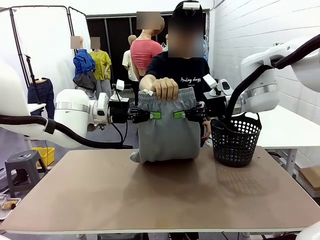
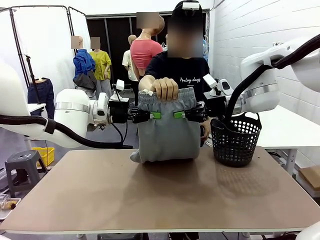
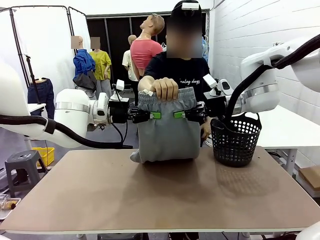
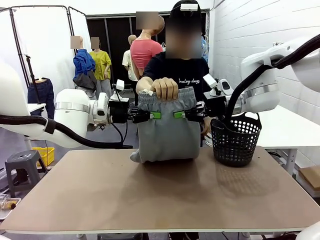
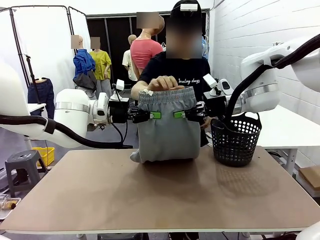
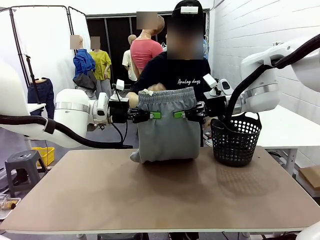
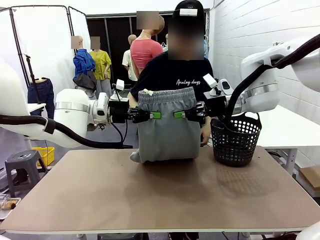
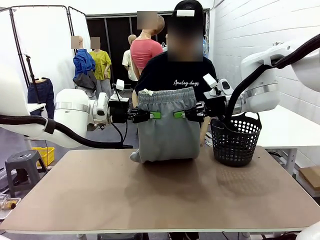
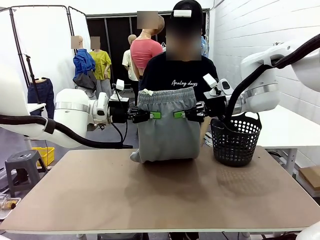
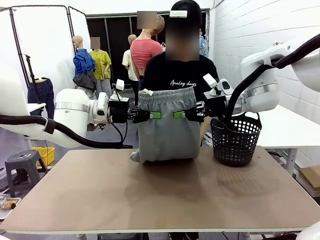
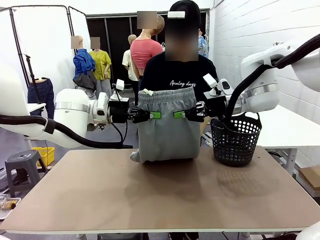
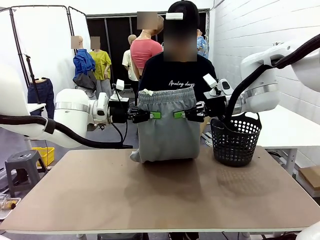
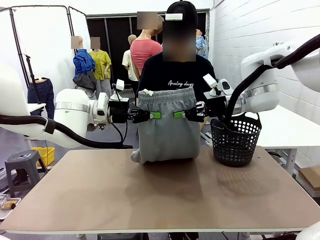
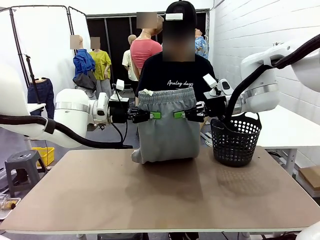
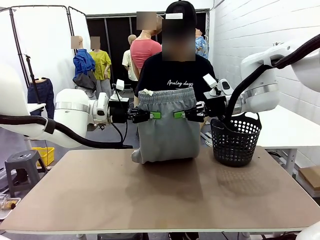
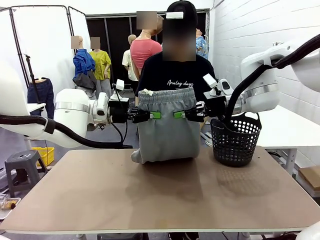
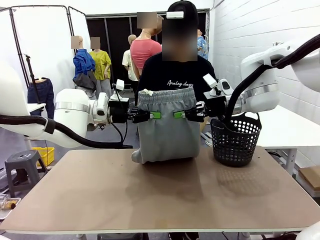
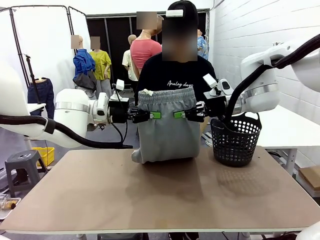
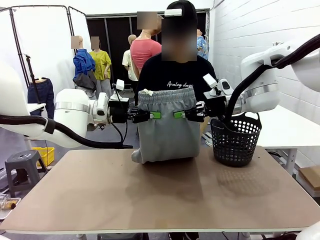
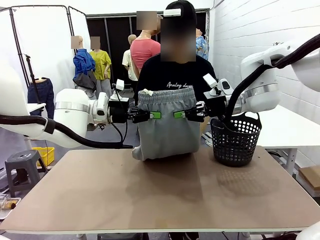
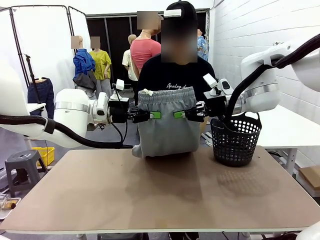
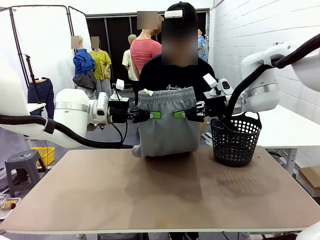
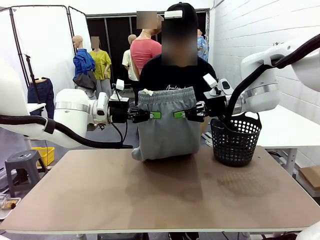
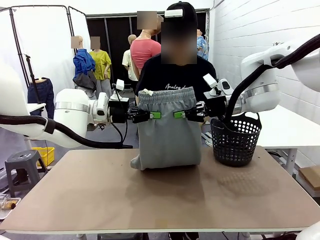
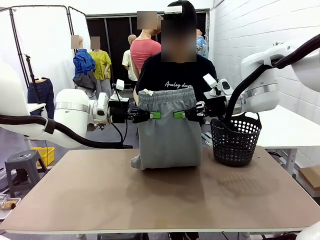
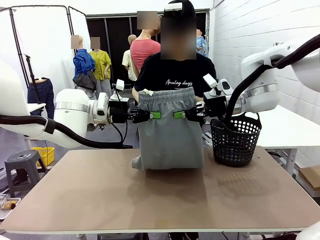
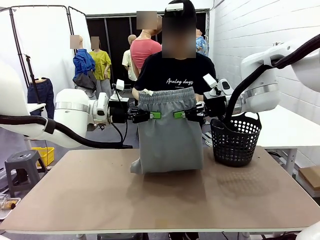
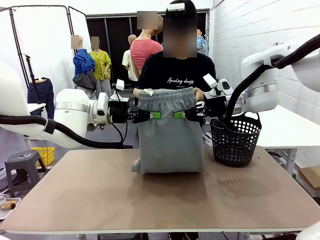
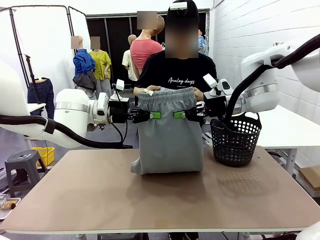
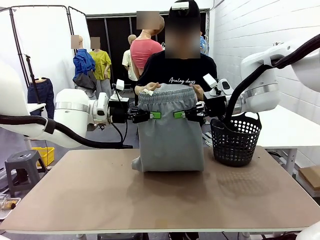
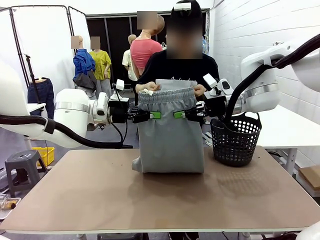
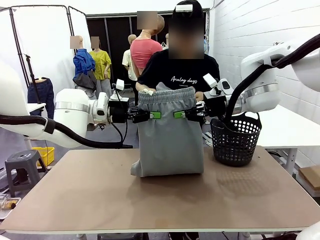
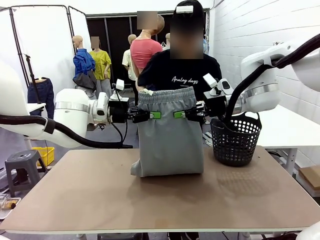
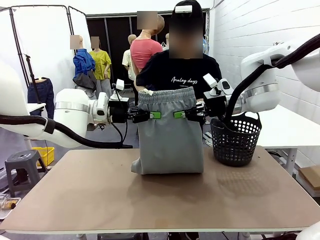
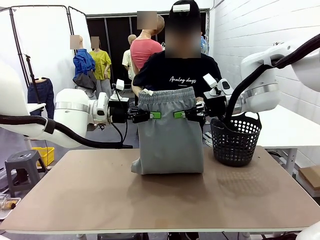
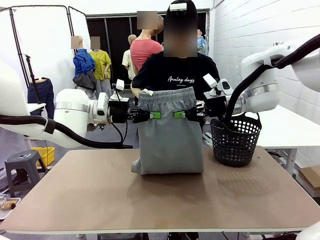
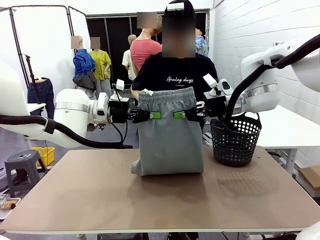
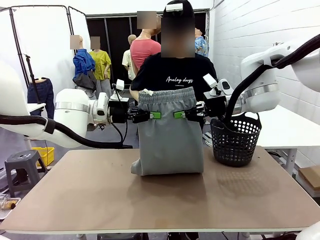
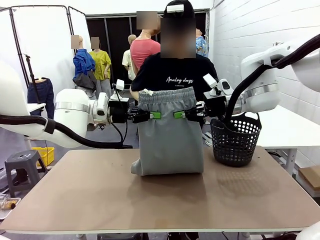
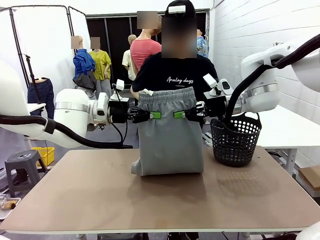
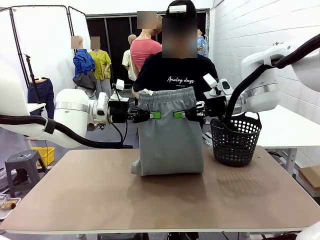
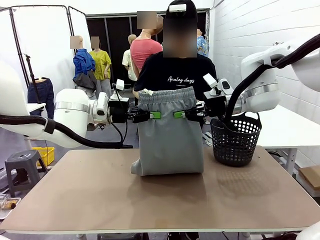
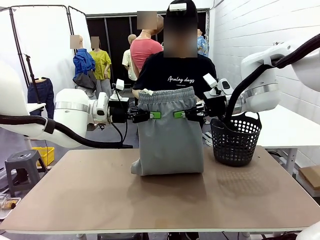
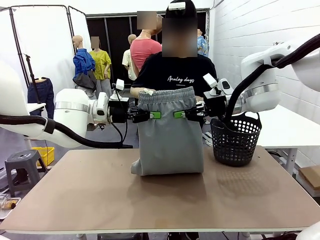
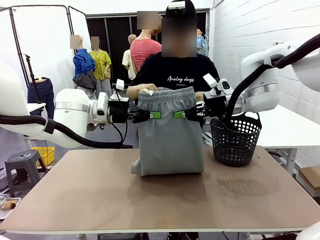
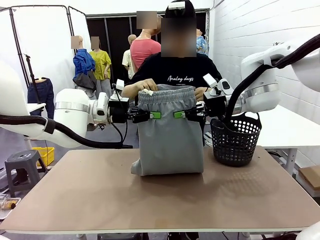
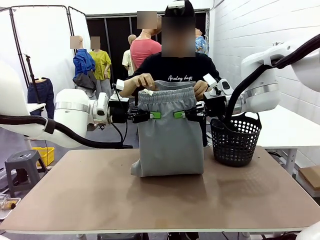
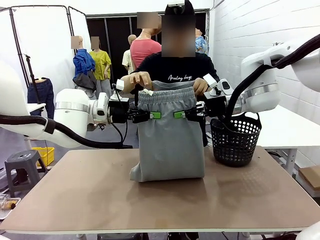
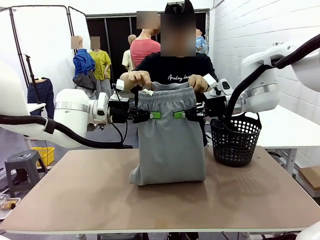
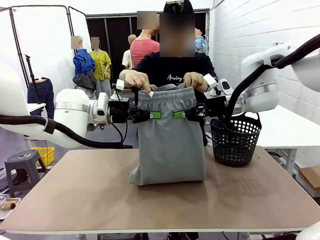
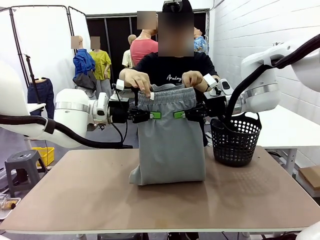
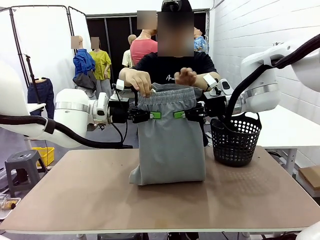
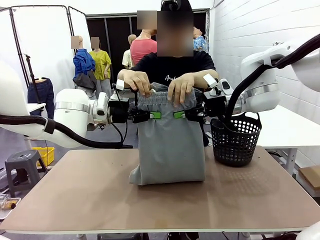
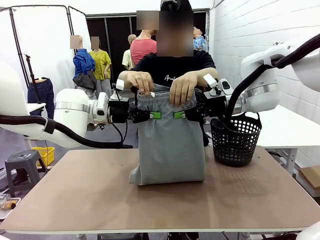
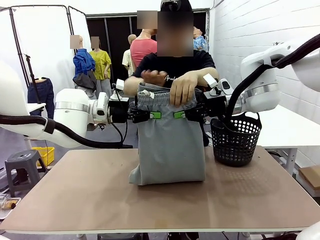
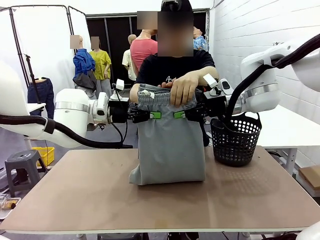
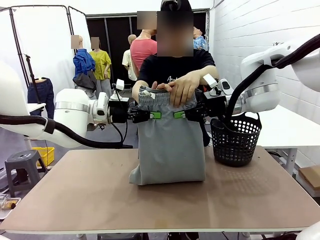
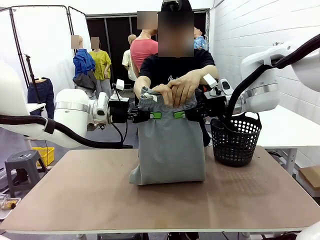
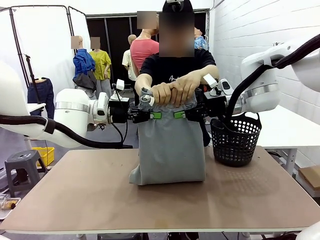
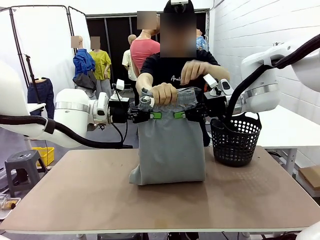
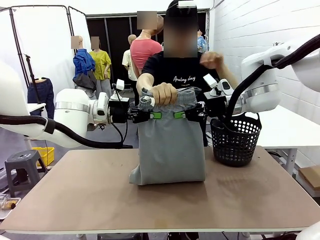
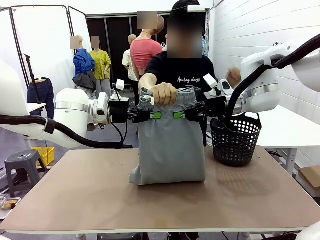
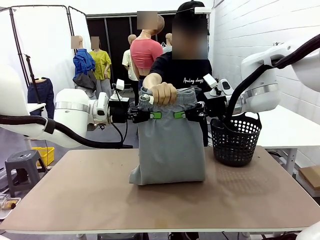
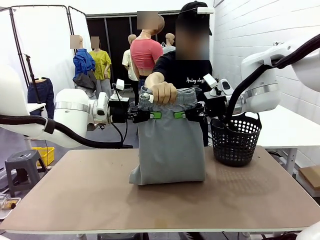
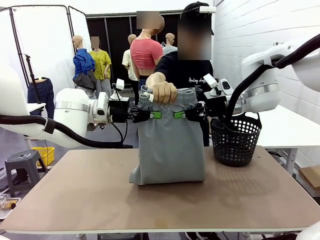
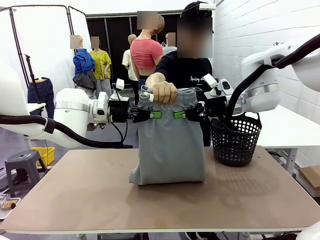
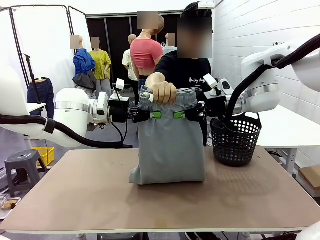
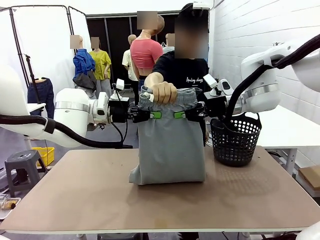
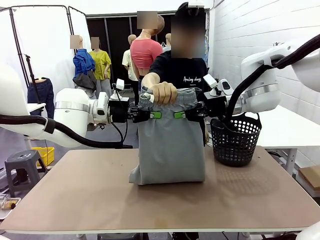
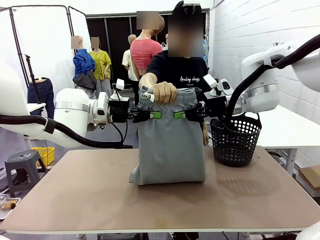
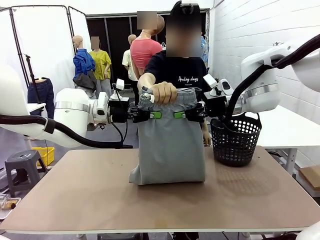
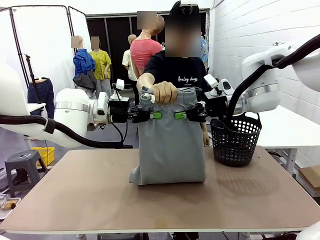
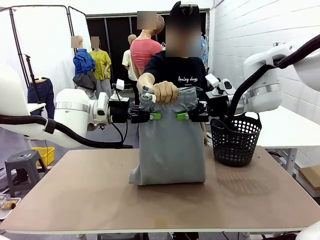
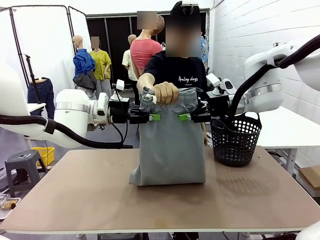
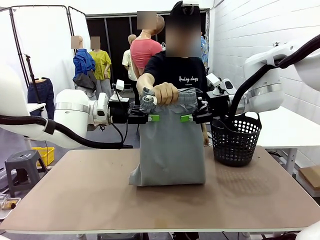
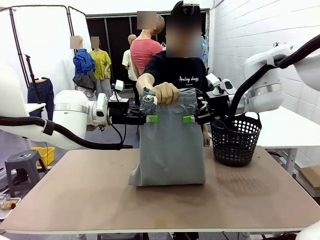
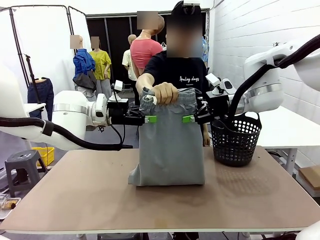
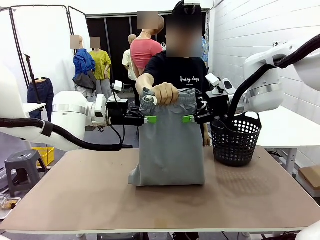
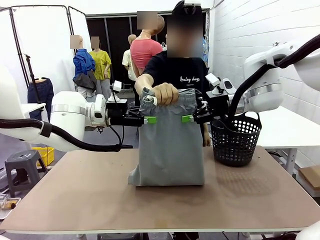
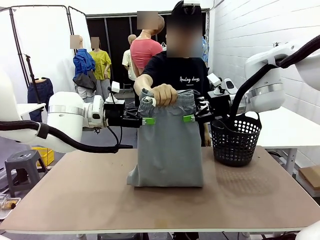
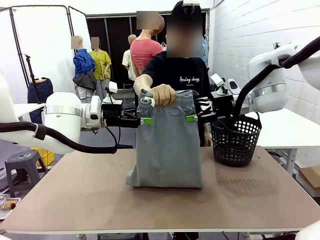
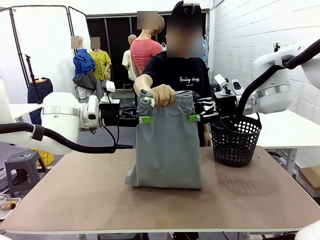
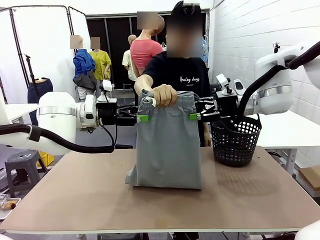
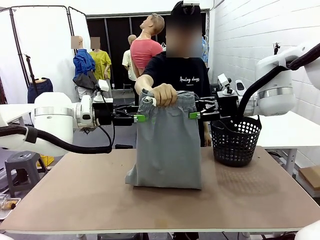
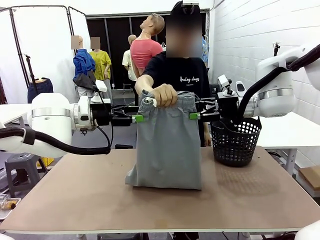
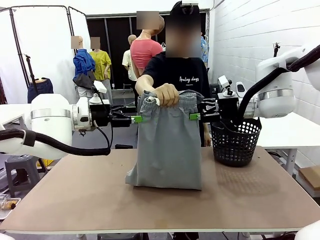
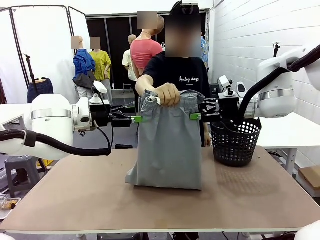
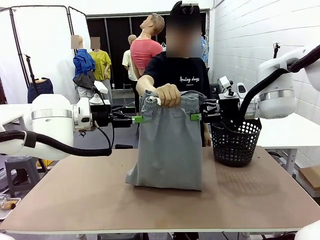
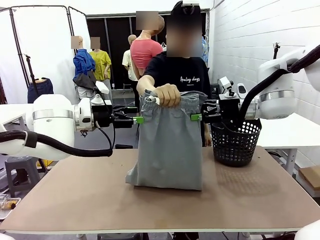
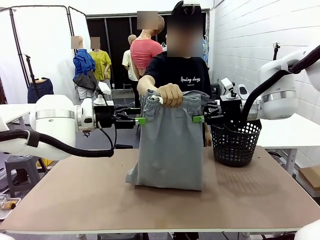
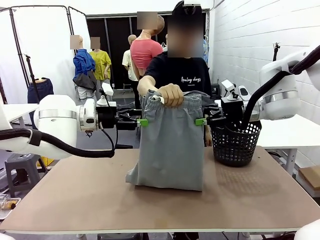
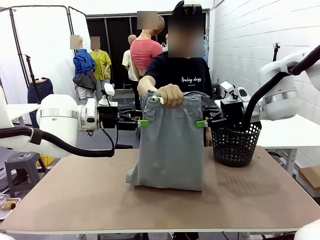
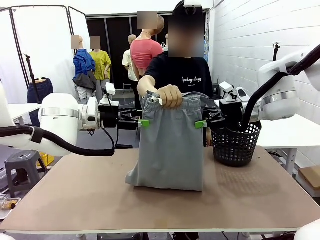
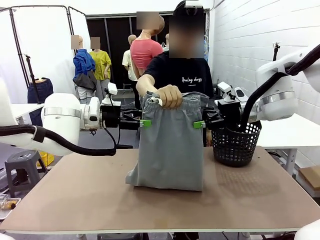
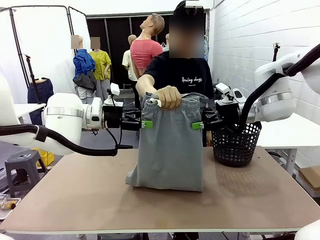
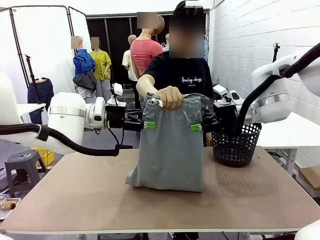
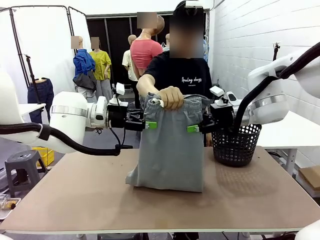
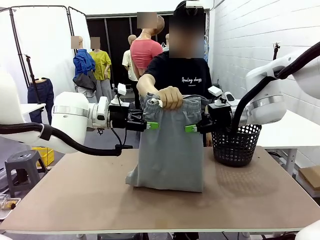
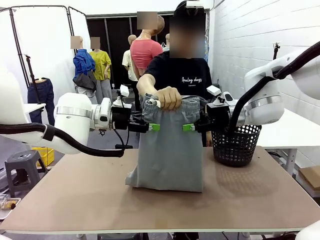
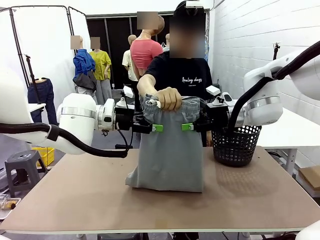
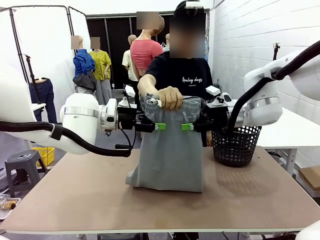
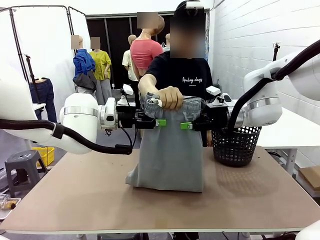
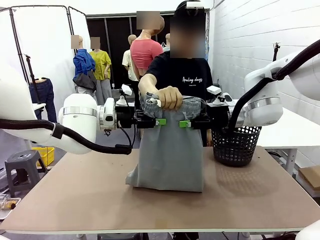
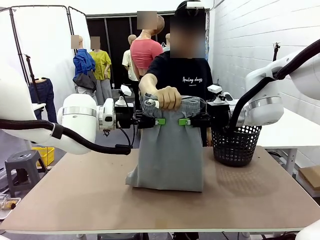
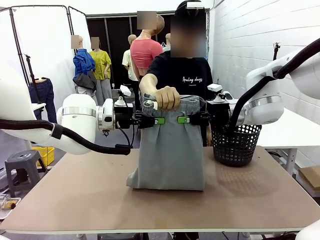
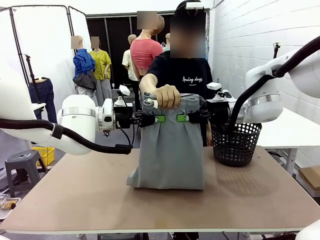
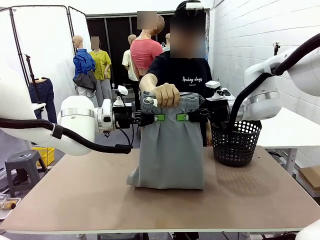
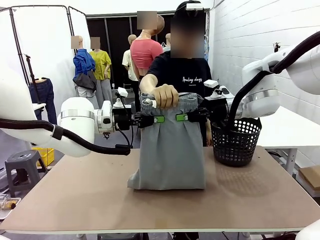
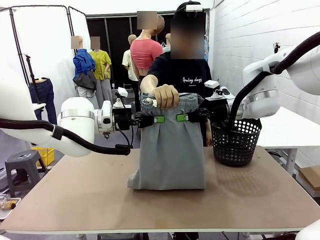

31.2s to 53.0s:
Task: Fold the training pants.
Robot: Release the ends of the Training pants and then grab the overlapped ends.
Person: Grasp the end opposite the point the robot is holding, fold the pants in half, and then grasp the overlapping top end of the folded pants. Release the pants you were holding.
